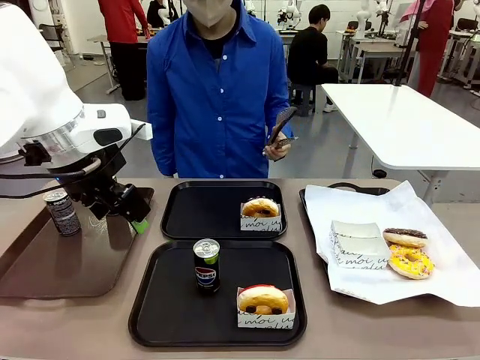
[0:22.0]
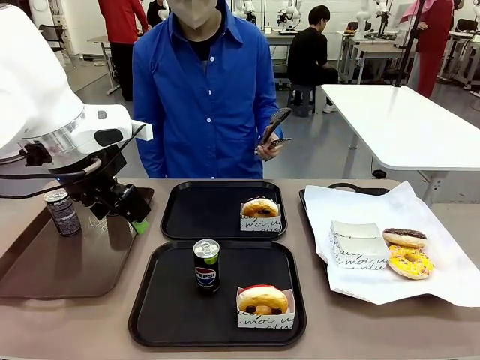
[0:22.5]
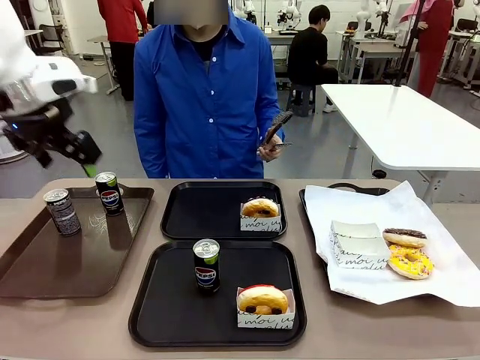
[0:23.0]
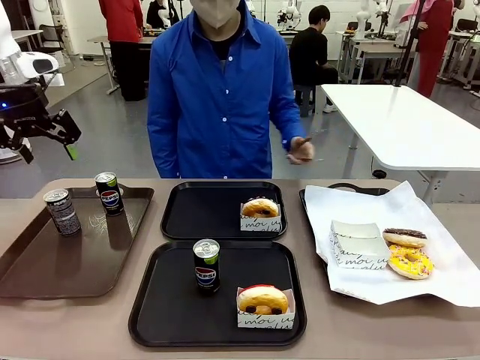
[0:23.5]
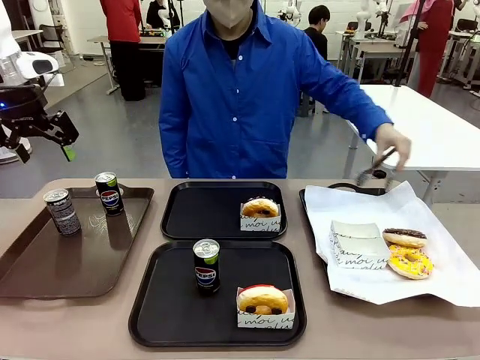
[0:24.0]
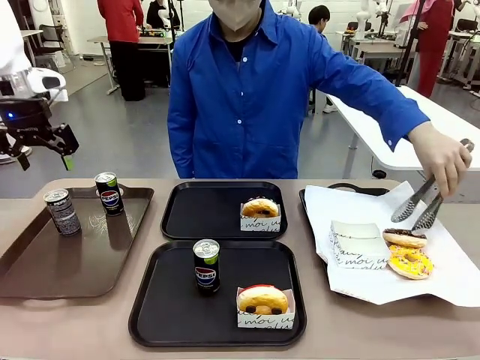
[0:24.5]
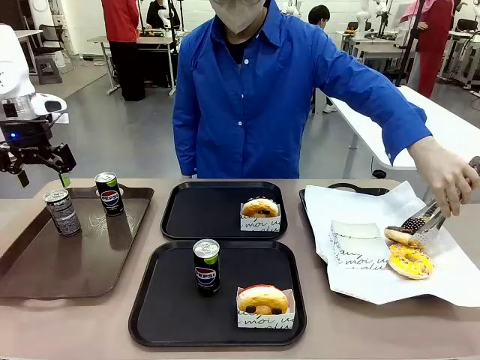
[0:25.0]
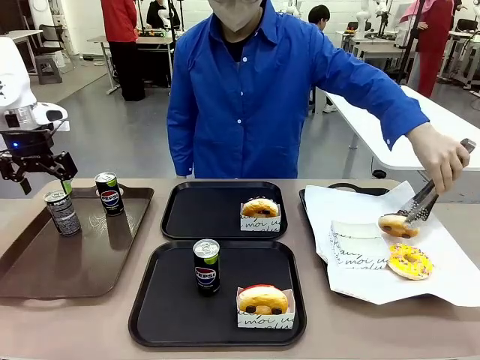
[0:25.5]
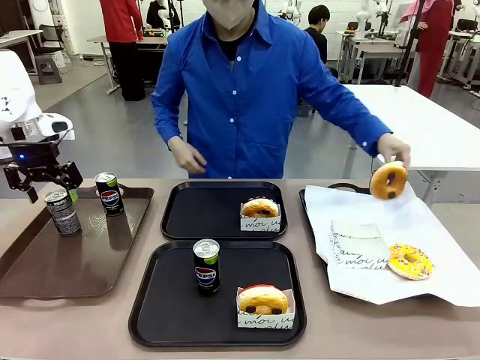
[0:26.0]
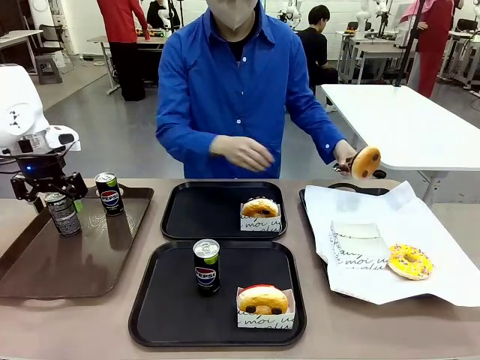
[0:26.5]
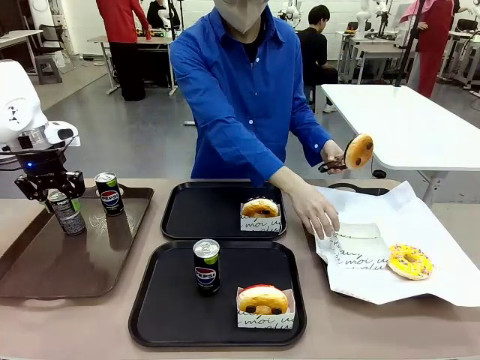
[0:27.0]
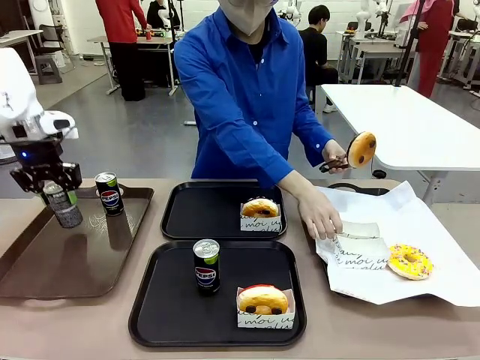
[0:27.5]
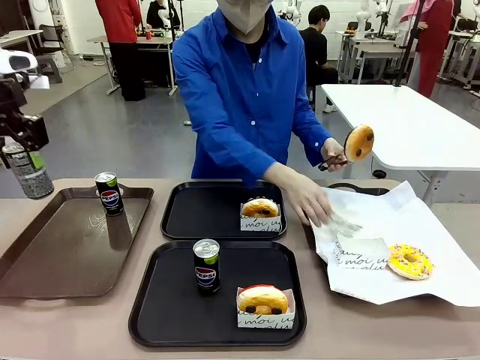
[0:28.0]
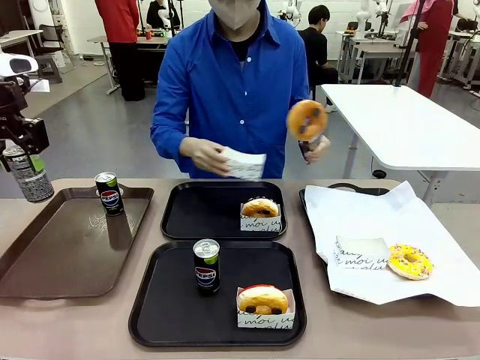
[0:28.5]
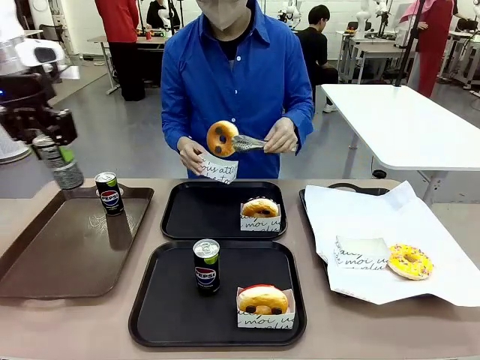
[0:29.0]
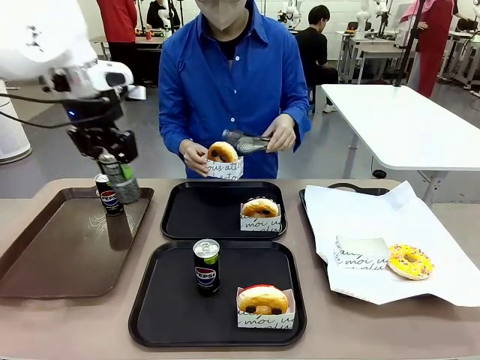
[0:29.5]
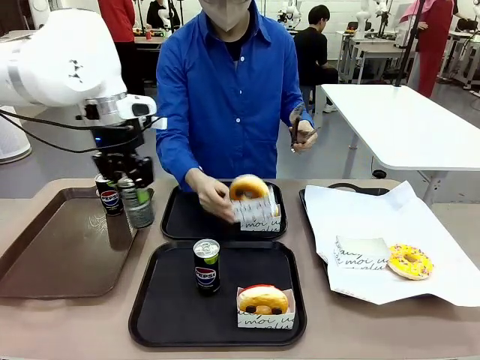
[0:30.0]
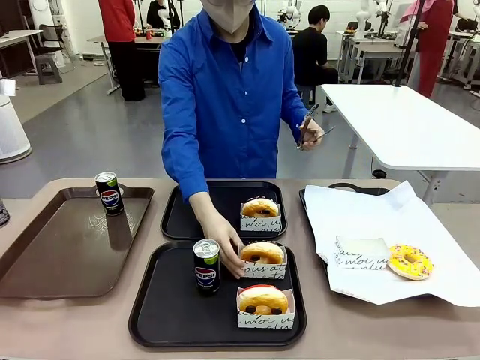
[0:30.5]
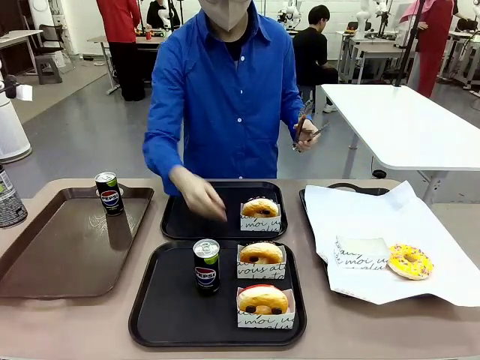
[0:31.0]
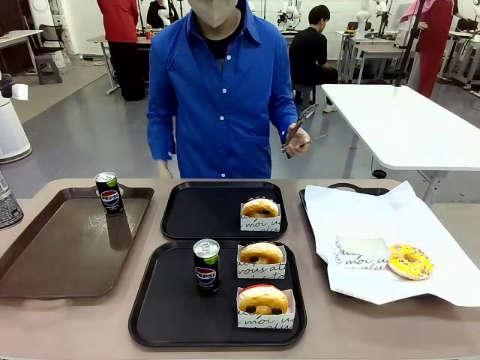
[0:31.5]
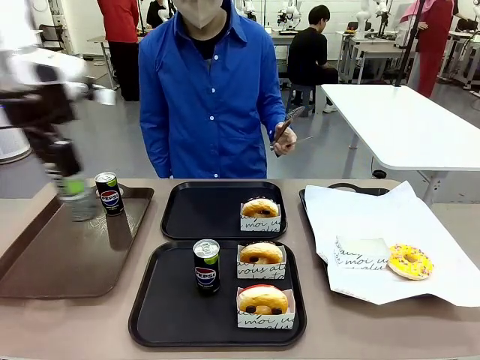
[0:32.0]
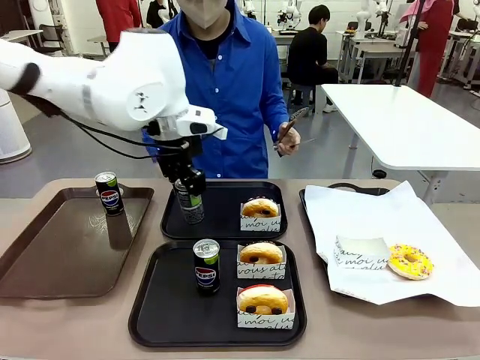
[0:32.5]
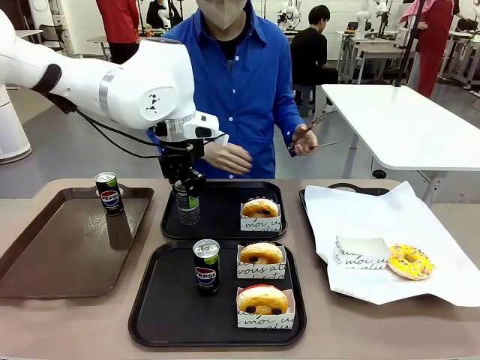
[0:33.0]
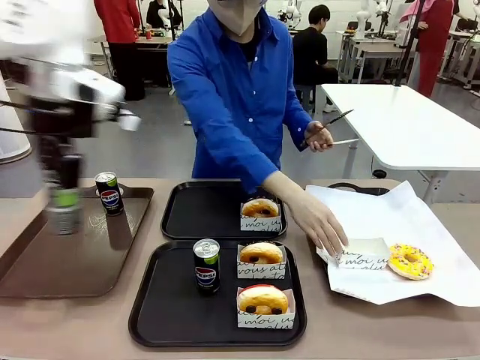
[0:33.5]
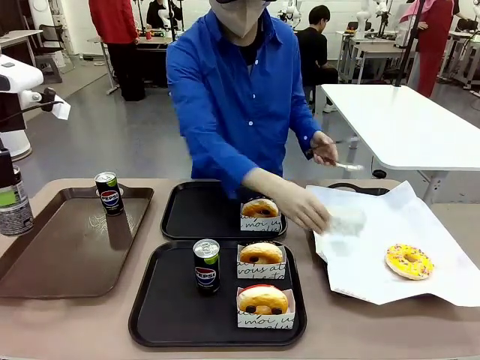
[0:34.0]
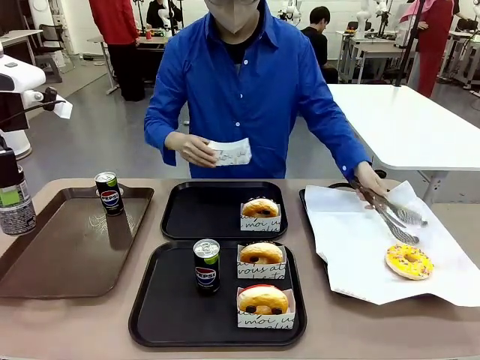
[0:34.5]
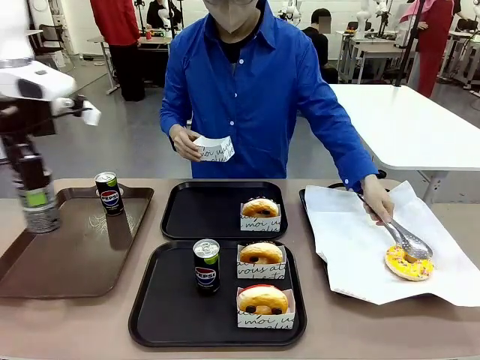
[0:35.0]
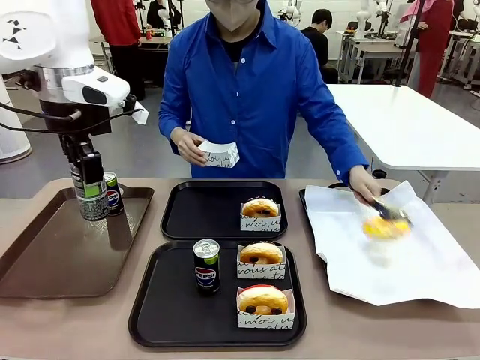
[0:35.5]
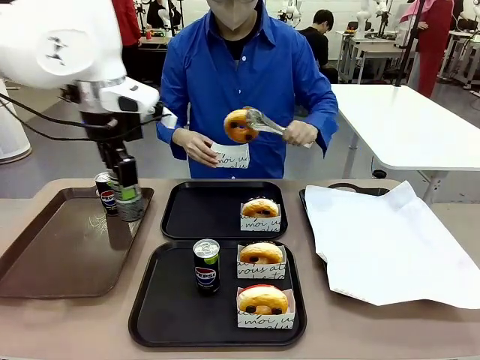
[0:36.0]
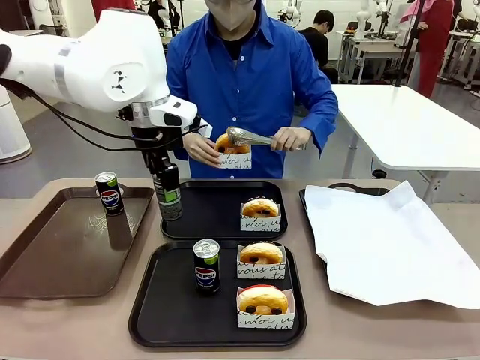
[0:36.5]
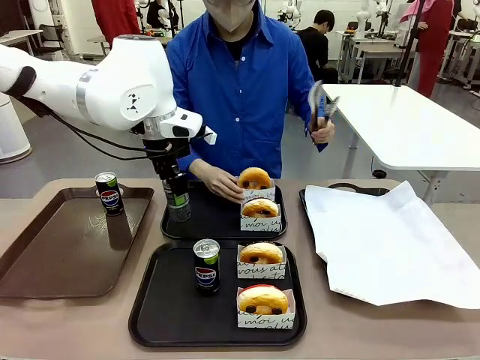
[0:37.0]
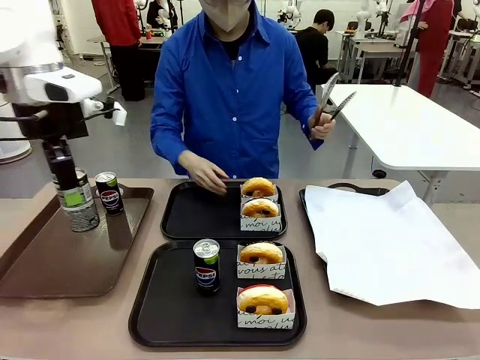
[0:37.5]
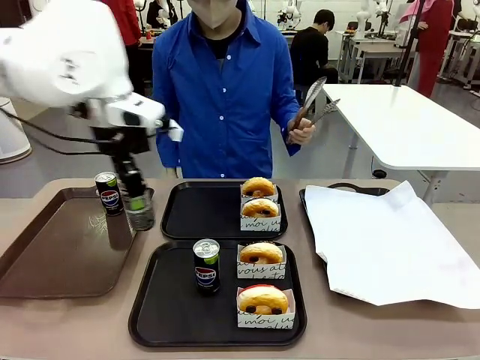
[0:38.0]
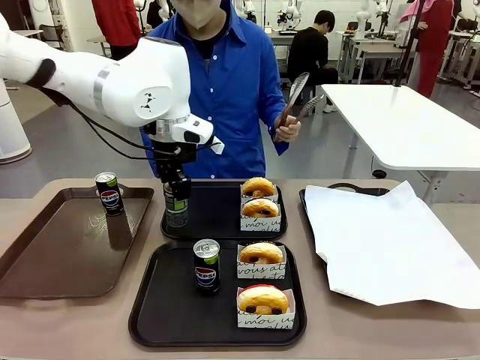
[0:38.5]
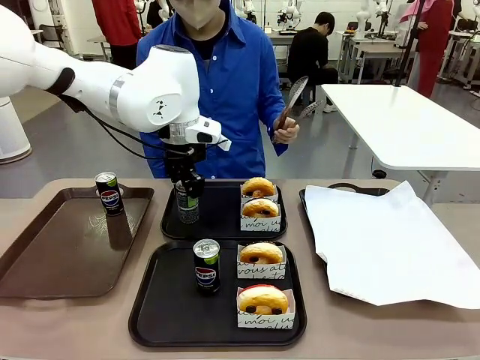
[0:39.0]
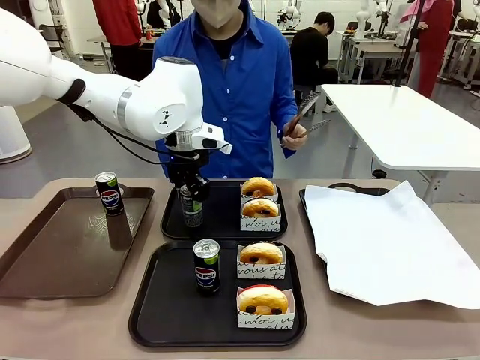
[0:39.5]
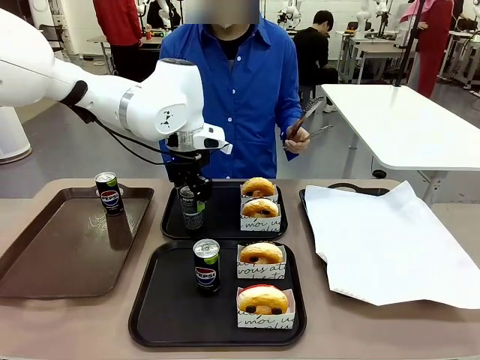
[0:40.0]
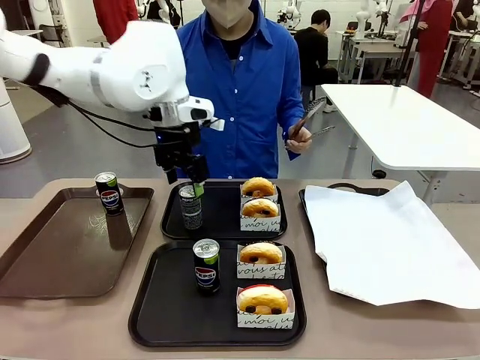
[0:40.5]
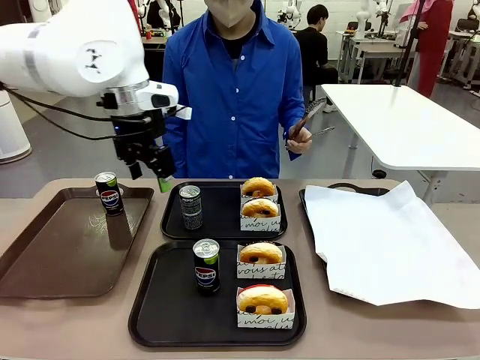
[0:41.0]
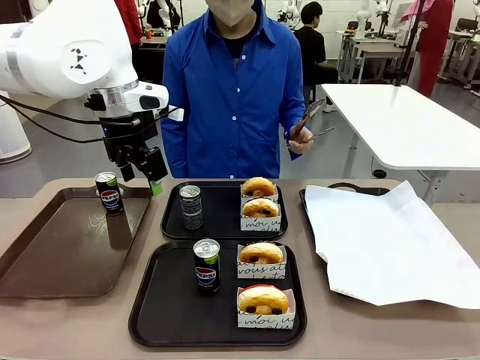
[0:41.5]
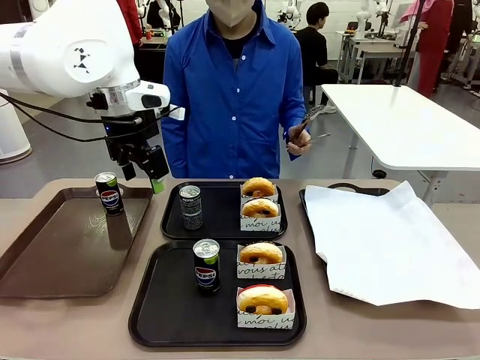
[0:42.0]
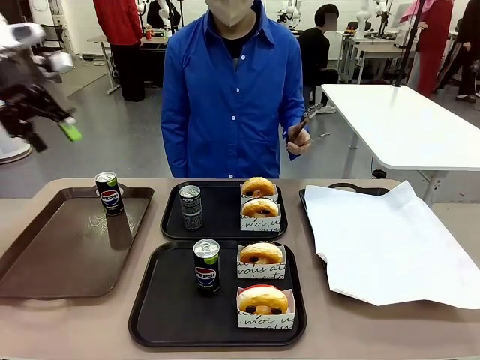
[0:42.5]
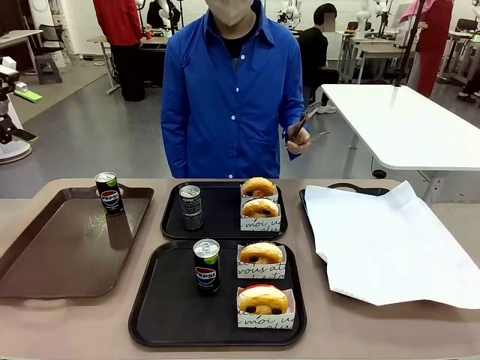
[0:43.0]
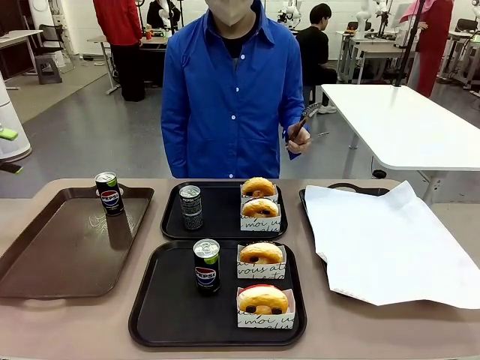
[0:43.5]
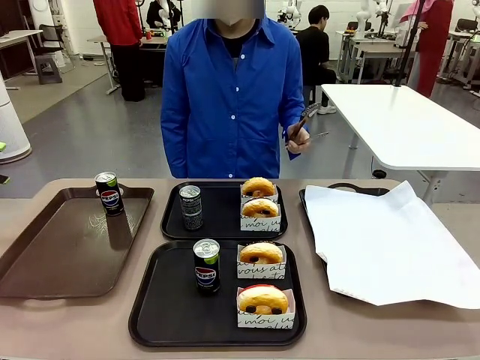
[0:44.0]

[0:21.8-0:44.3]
Task: Set up donuts and drinks on trays.
Robot: Pick up one Pepsi coke from the Handle tray and place it on the Flat Tray without a Pepsi coke.
Person: Pick up one donut with tongs, place it in the donut tray, and then place the donut tray on the flat tray.

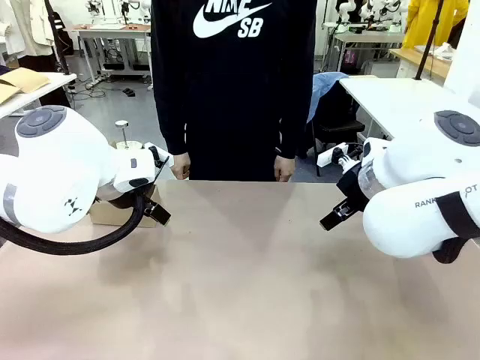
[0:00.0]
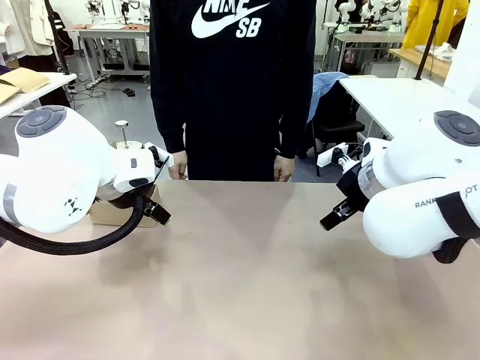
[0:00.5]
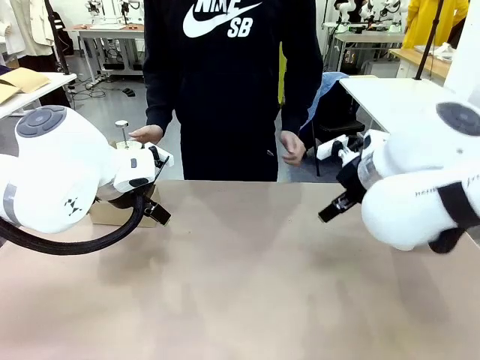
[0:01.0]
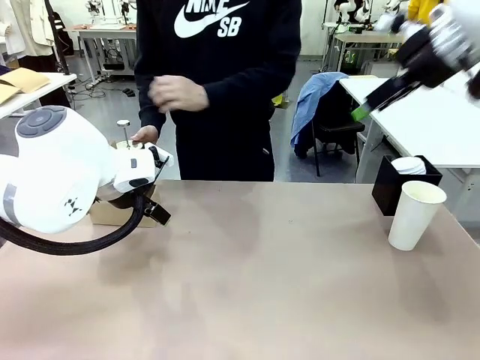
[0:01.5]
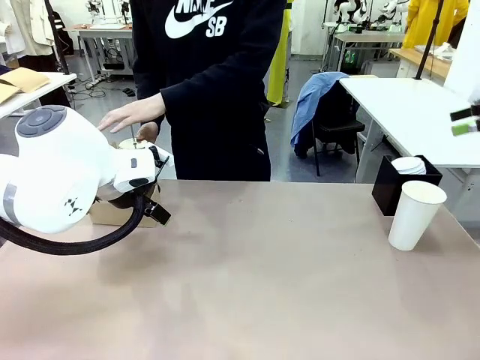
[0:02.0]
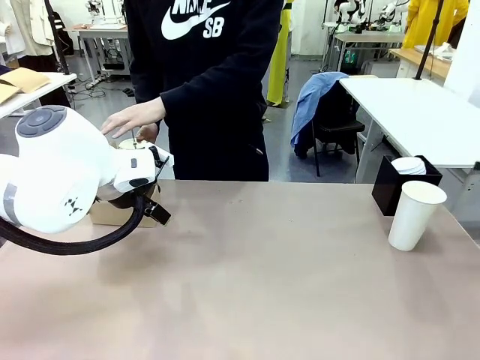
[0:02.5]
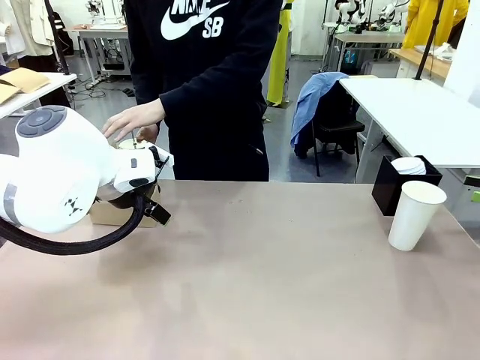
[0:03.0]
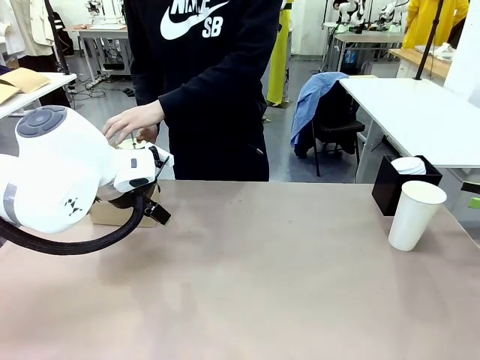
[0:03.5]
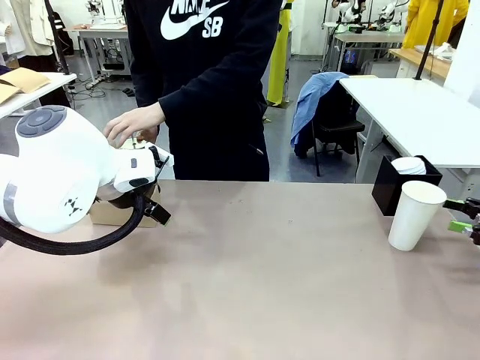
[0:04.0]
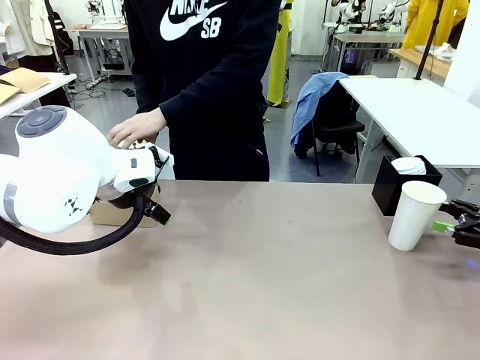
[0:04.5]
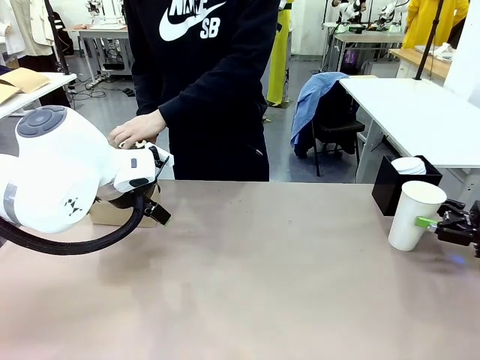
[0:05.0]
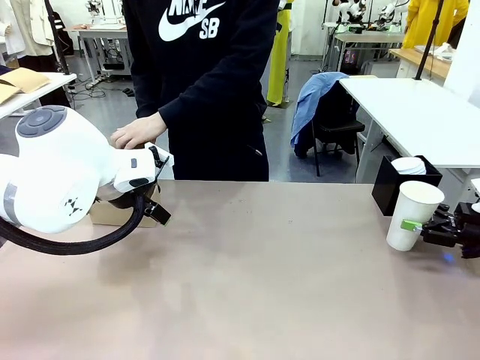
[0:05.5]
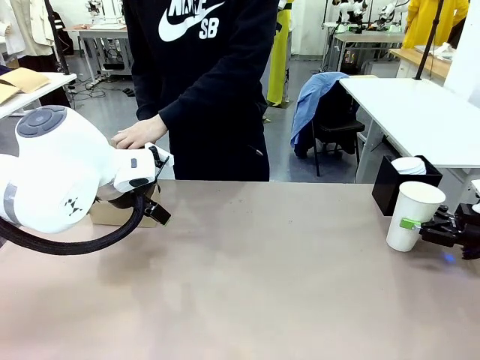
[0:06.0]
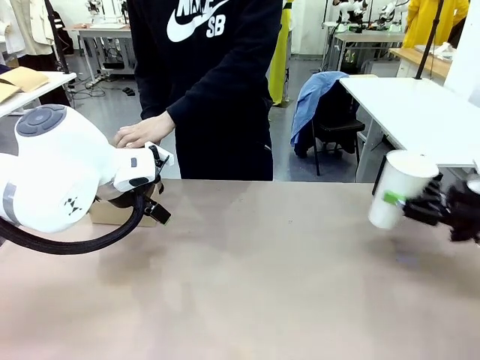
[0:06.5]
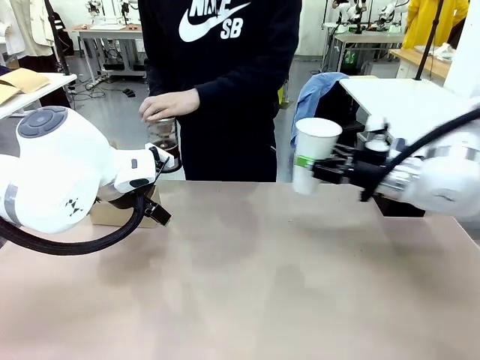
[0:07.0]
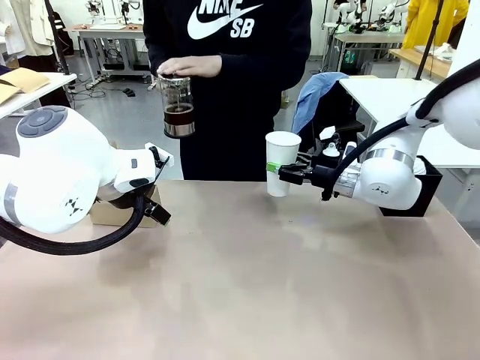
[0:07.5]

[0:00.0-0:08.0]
Task: Pour a drink into a cup and package it in a carrier.
Robot: Pick up the 600 ml Paper Cup and place it in the middle top area of the table.
Person: Press and pick up the Filter Brewing.
